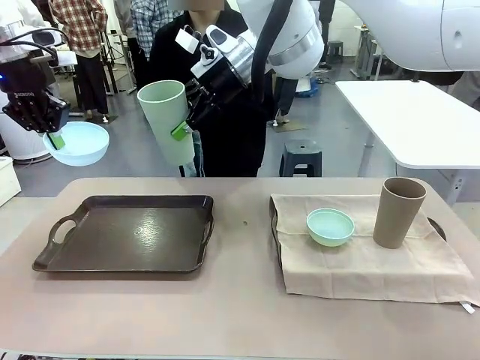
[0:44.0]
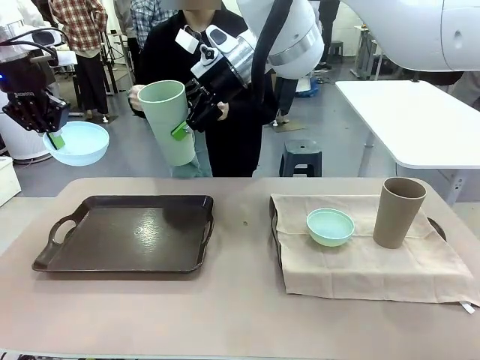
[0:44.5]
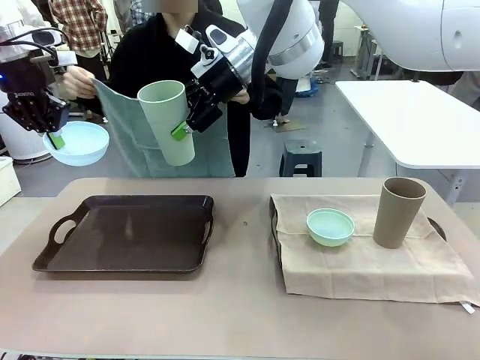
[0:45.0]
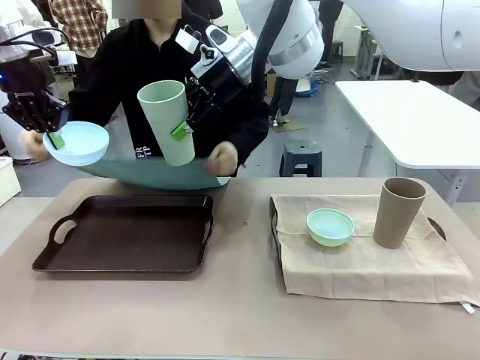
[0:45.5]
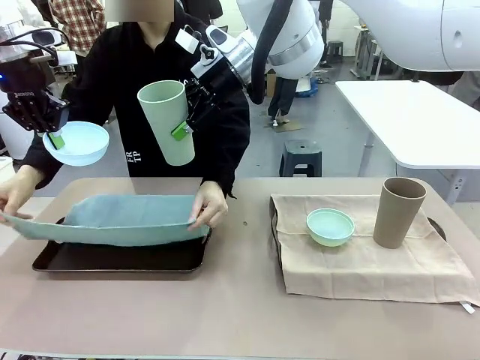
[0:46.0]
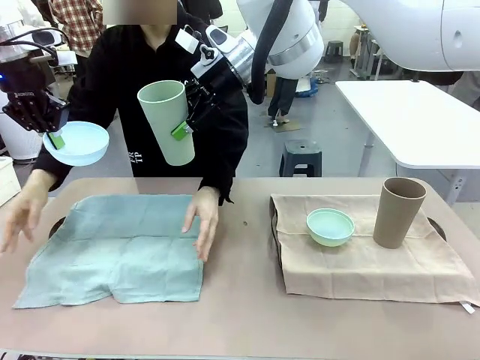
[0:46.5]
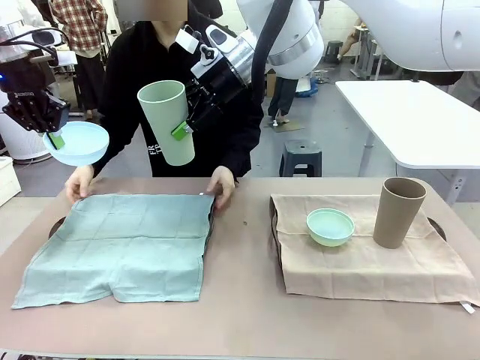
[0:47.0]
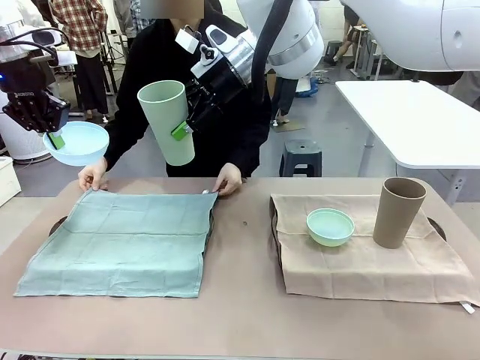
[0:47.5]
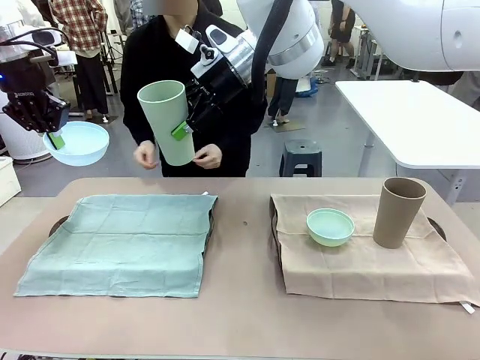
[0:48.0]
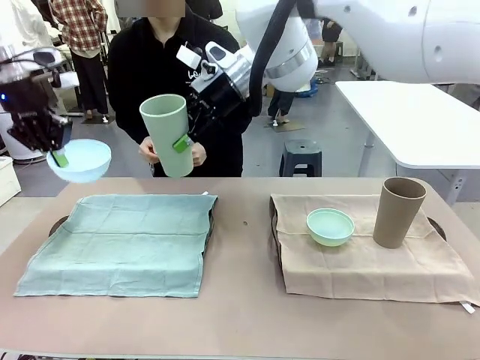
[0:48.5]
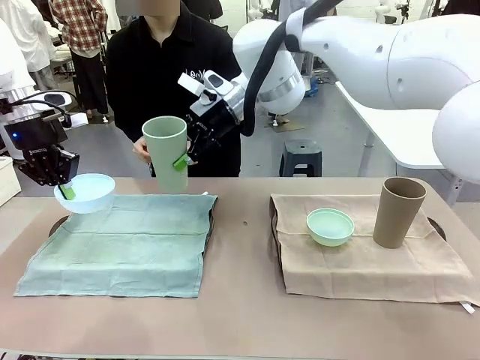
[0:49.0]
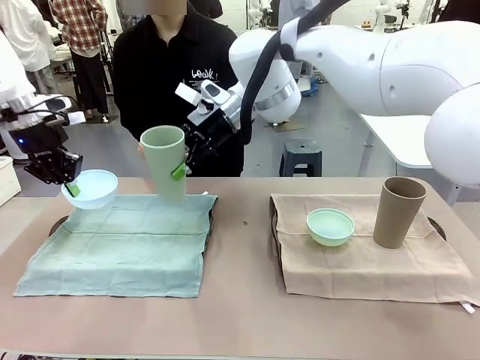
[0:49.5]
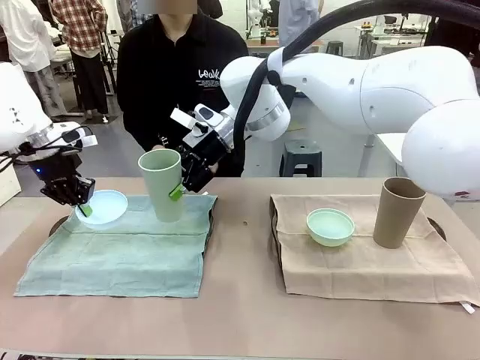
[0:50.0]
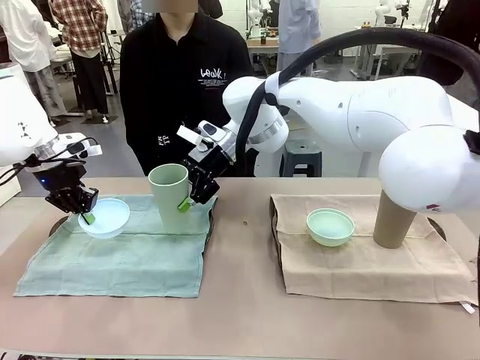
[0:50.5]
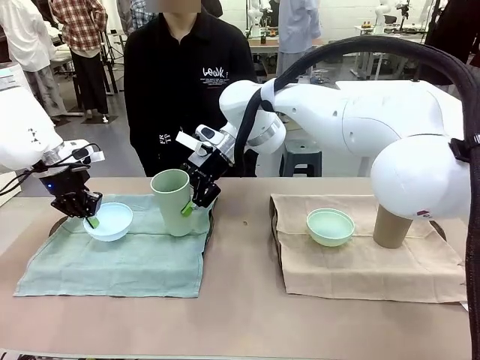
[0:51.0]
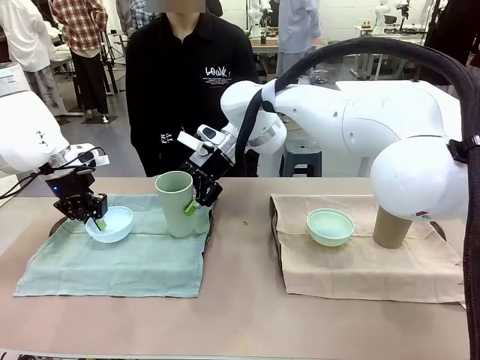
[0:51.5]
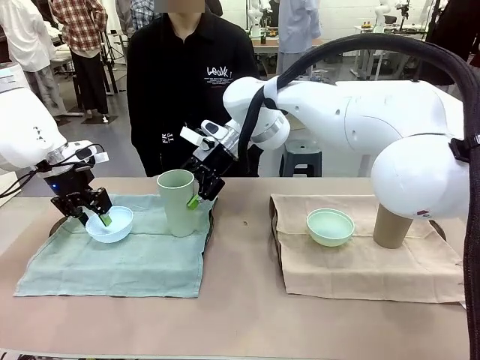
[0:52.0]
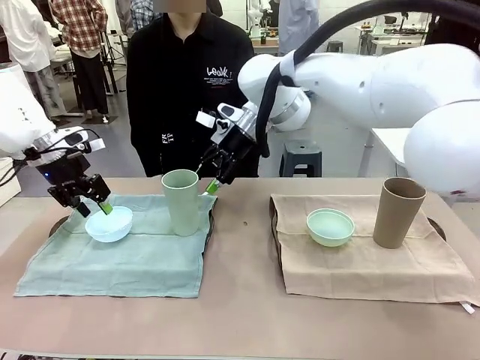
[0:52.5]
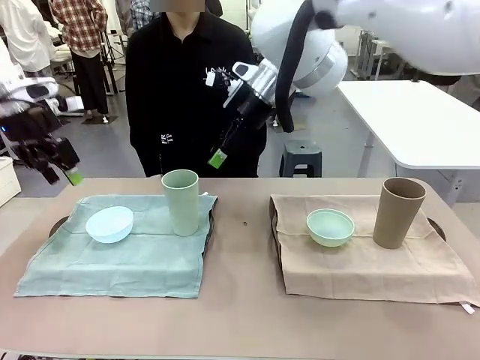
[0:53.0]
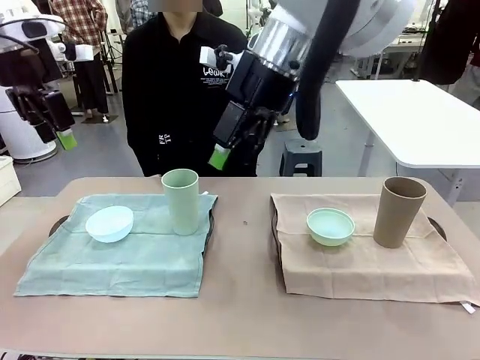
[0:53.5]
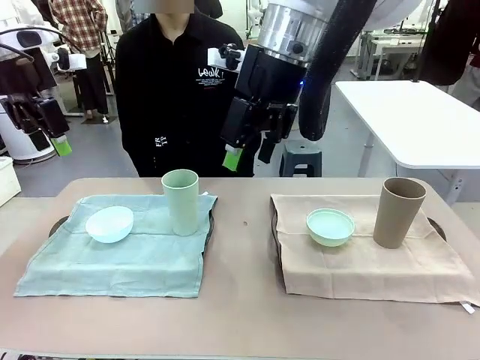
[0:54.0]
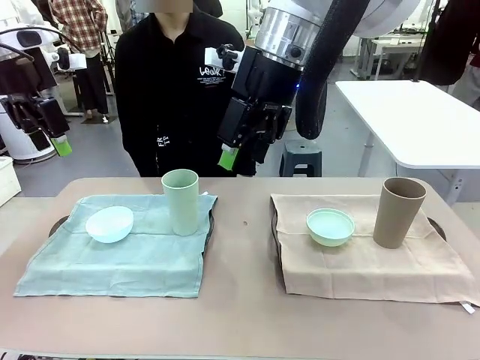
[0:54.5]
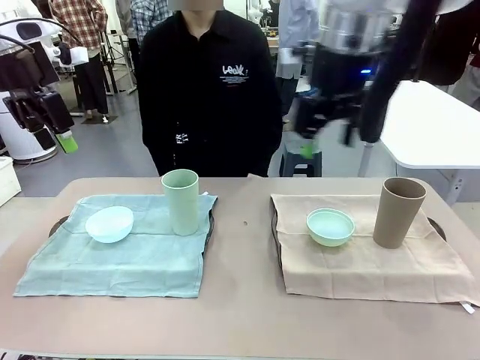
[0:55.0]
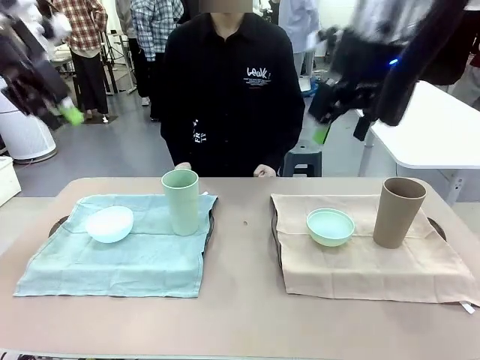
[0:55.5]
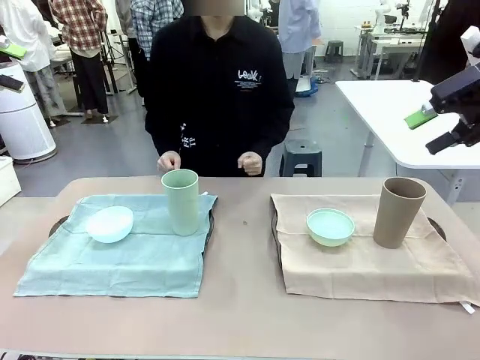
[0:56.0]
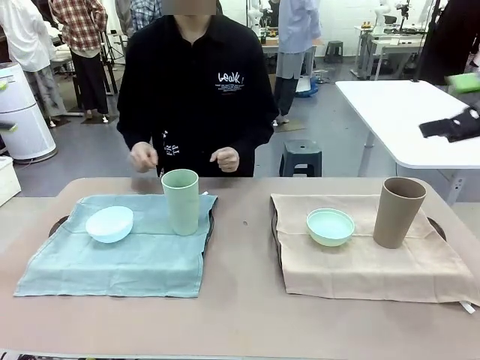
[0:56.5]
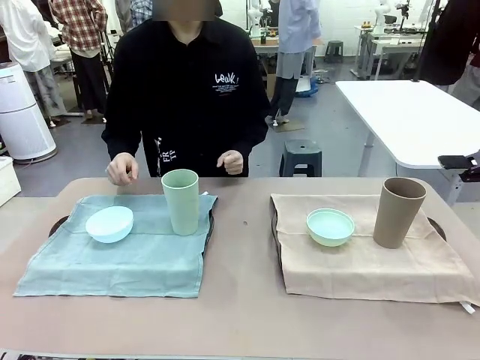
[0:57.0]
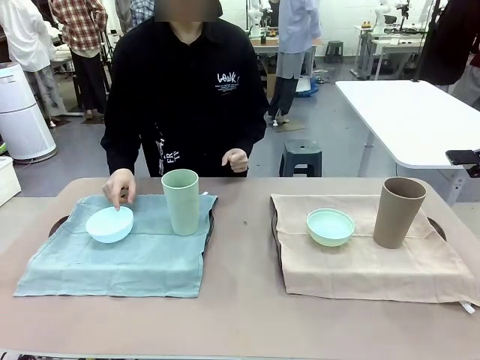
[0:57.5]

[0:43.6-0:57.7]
Robot: Place the Picnic Bowl and Reusable plastic cup back onto the Handle tray in front of the human's position.
Person: When the robot lifts the bowl and the cup, the human unfolds the napkin and lays the napkin flat on the tray.

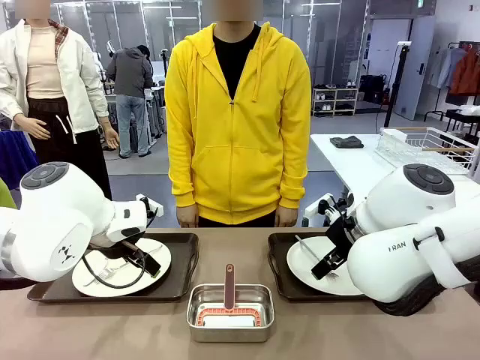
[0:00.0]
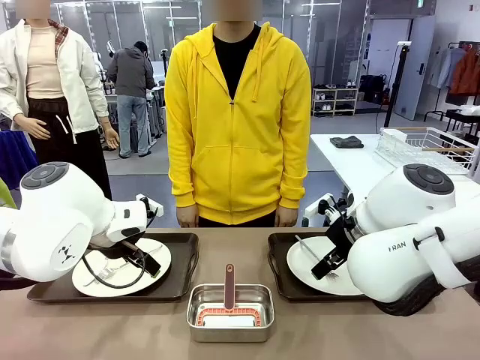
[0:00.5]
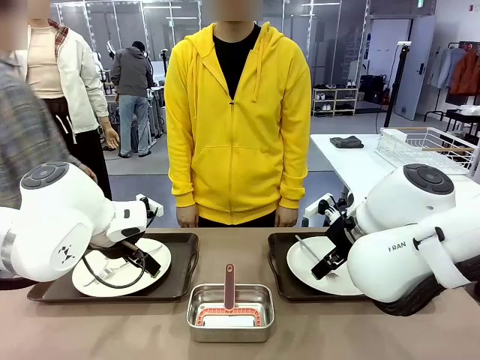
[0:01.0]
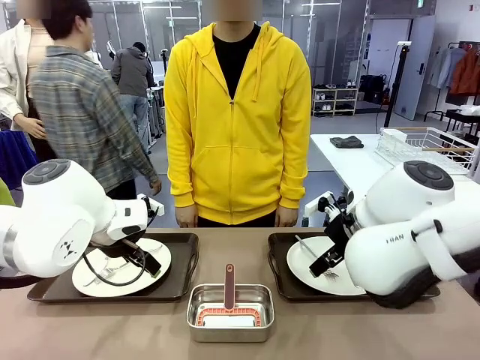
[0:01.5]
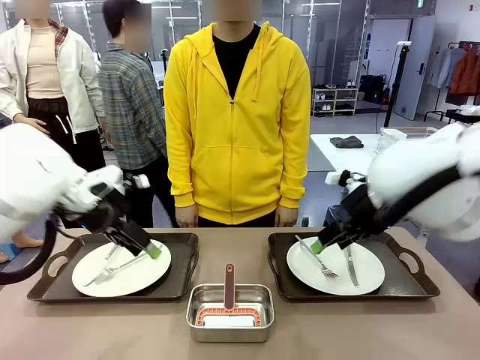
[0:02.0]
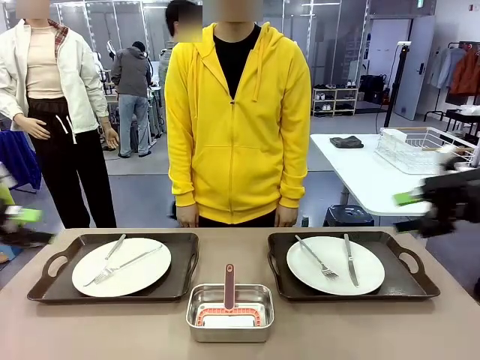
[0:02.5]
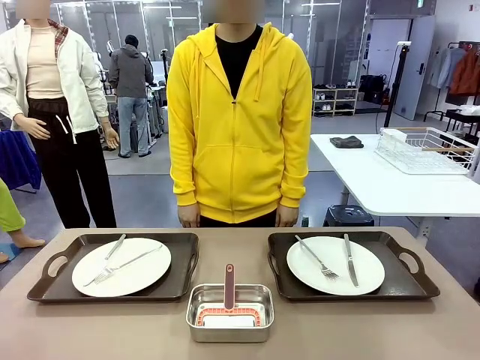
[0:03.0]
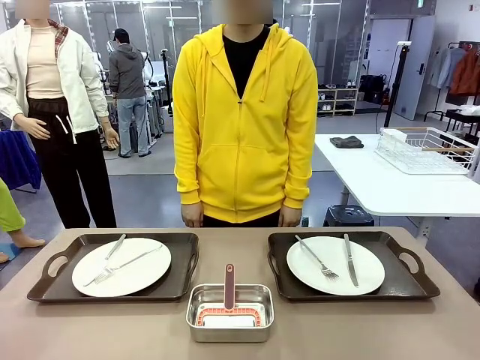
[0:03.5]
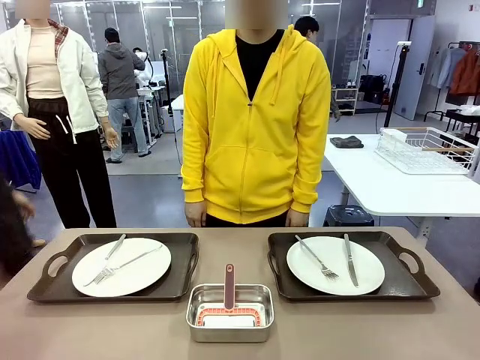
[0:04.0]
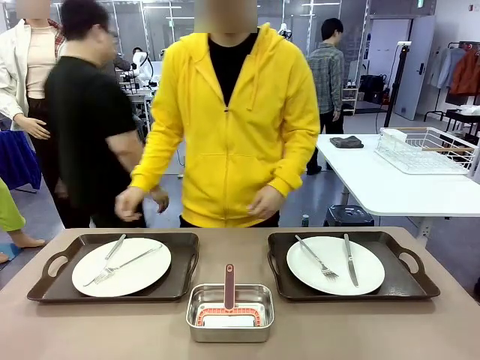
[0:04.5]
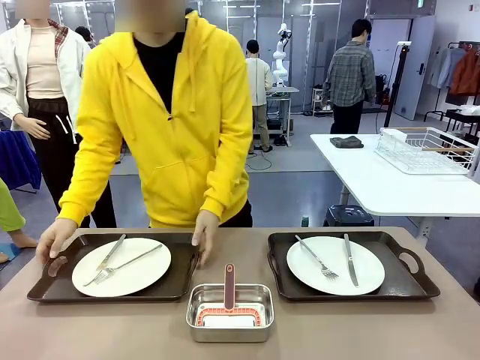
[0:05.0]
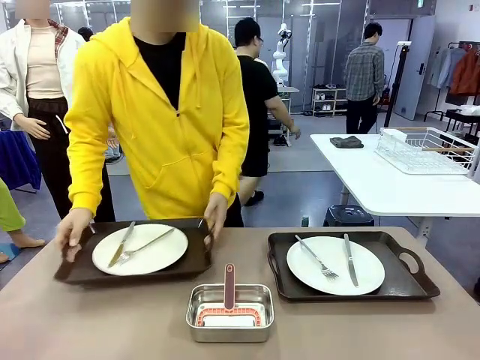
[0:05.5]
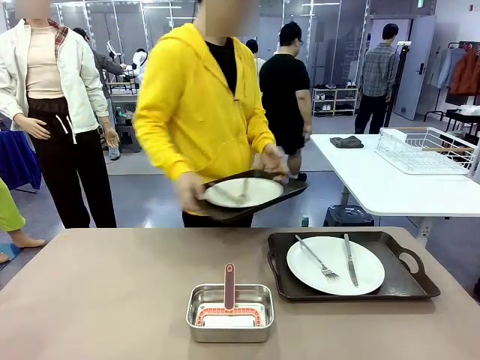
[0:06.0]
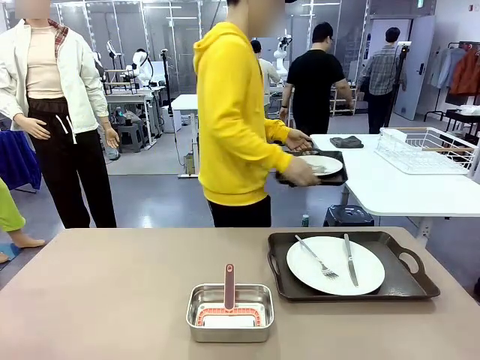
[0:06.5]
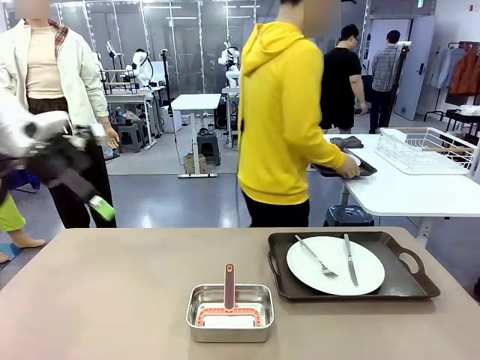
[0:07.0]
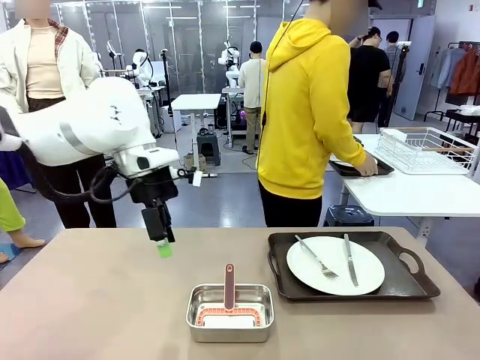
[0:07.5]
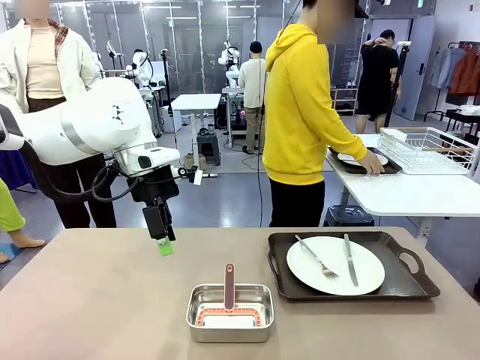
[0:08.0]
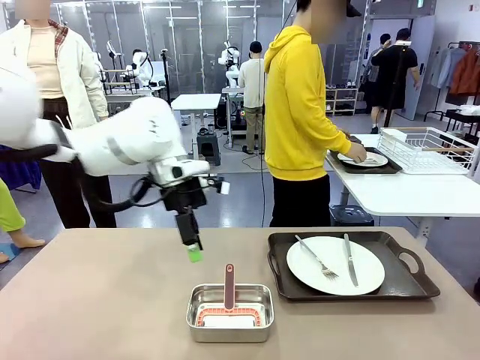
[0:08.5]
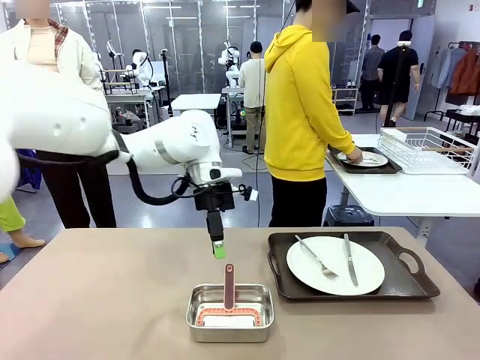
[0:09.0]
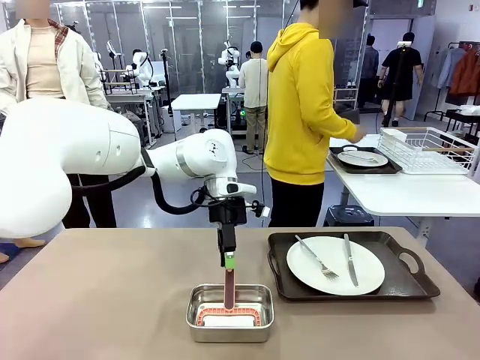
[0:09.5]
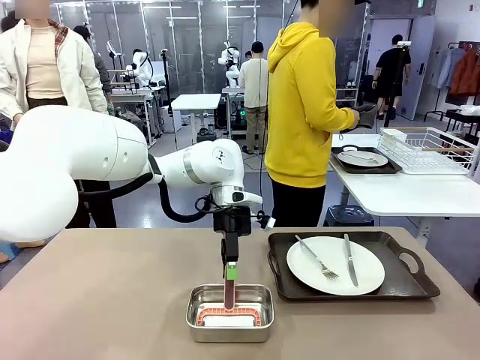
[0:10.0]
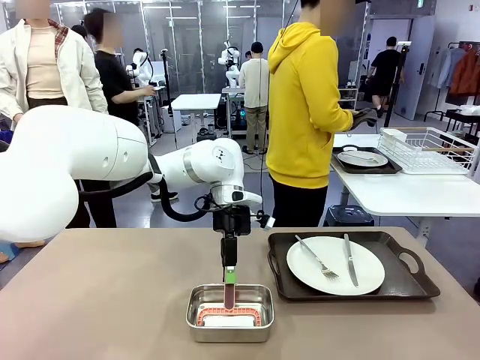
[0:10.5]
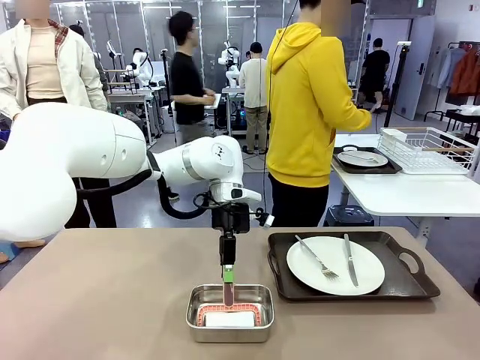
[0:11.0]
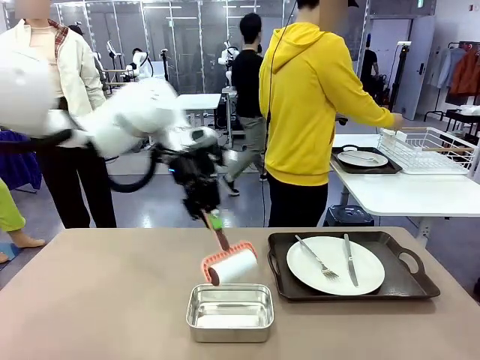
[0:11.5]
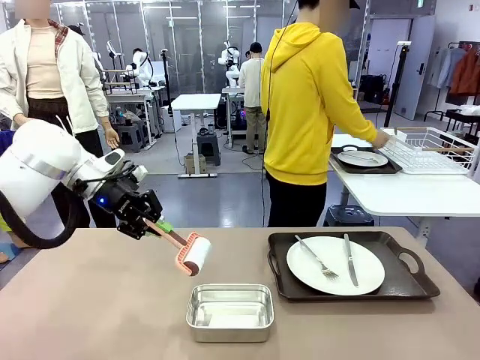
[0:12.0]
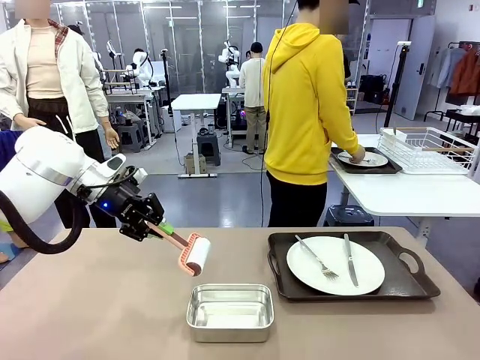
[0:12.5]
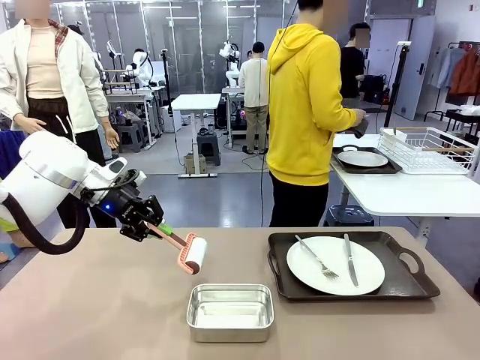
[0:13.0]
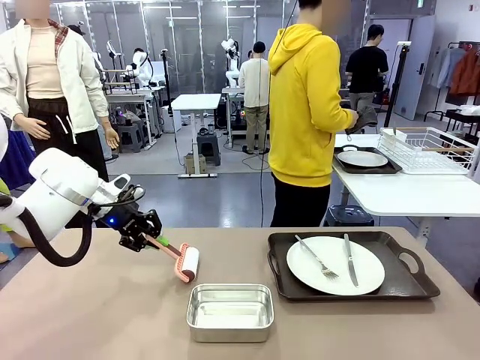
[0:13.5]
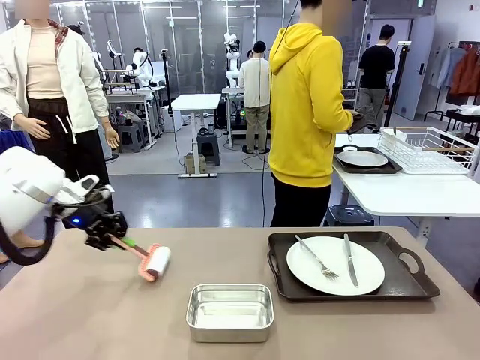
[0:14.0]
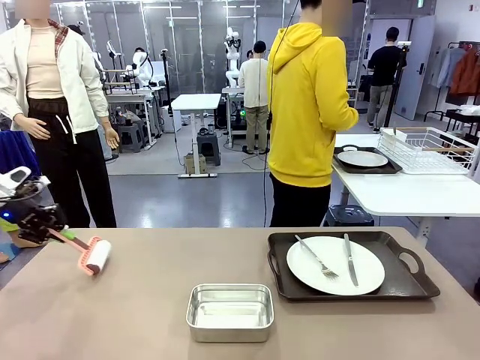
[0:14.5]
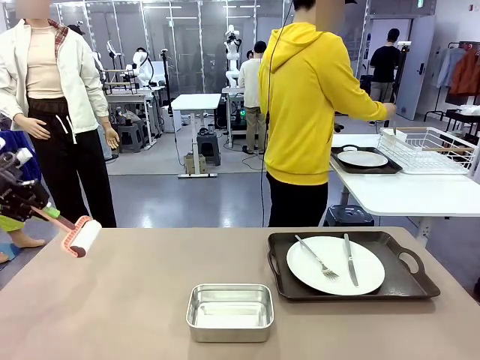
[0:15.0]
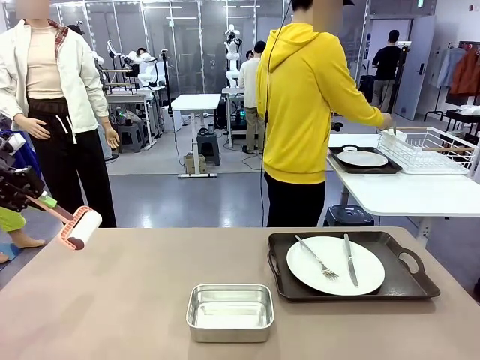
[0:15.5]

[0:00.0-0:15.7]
Robot: When the left (or right) Handle tray is removed, use the left hand (or right hand) to clean the left (or right) side of the table with the Lint Roller.
Person: Pick up the left (or right) Handle tray and place it on the middle of the Human's table. Use the Towel with hook to wipe the Plastic Matte Plate , Fork , and Knife and place into the Dish drying rack.
